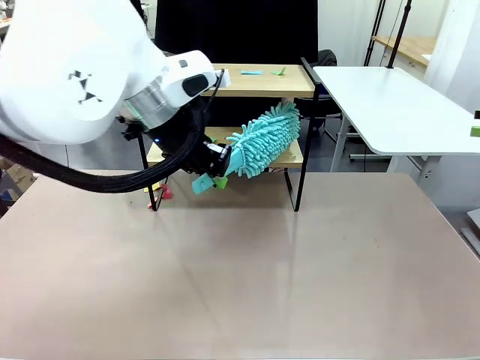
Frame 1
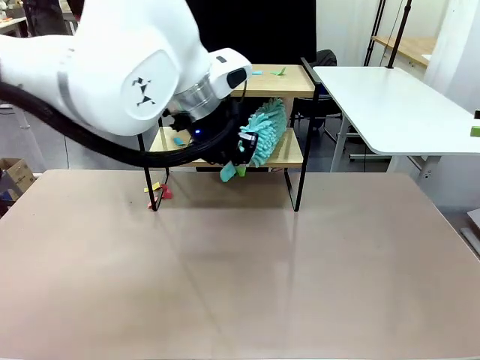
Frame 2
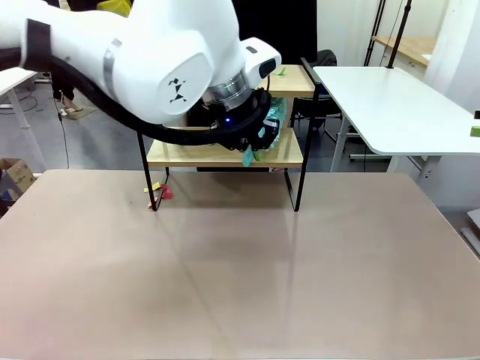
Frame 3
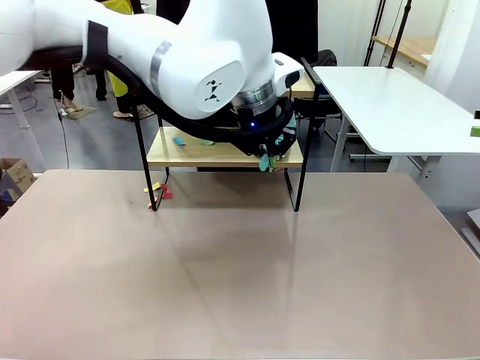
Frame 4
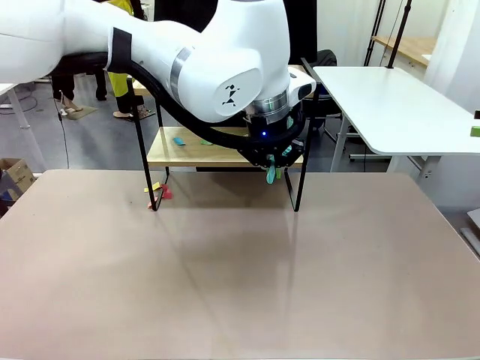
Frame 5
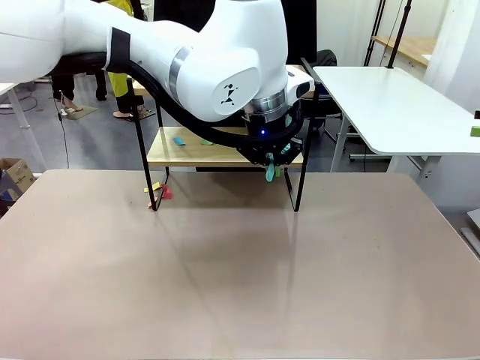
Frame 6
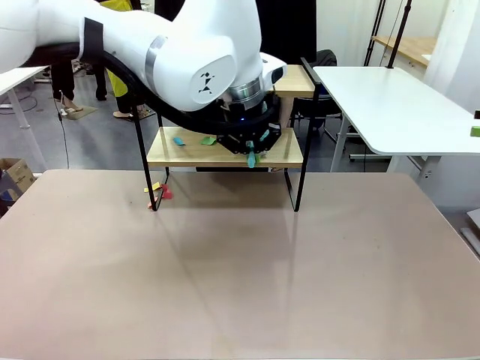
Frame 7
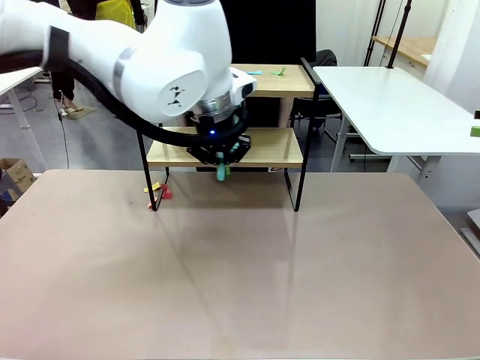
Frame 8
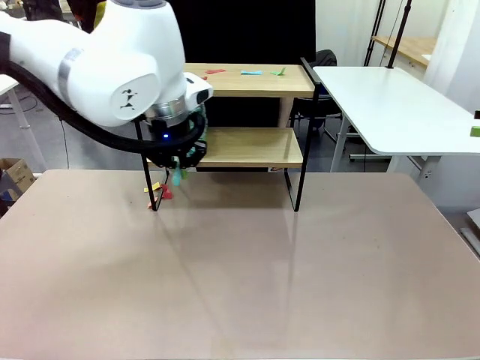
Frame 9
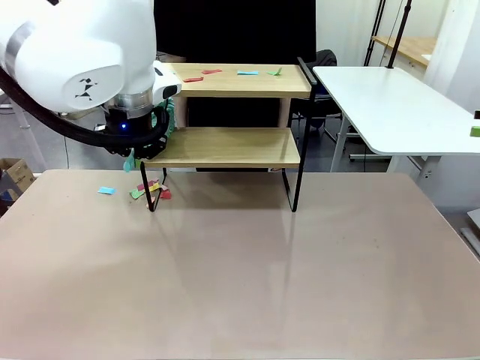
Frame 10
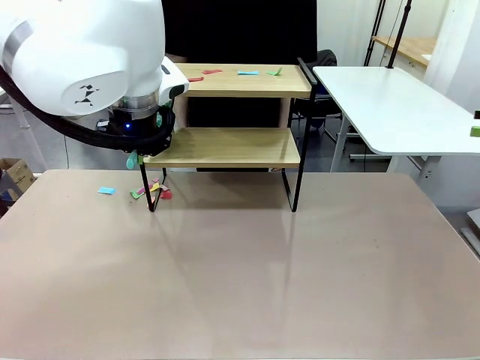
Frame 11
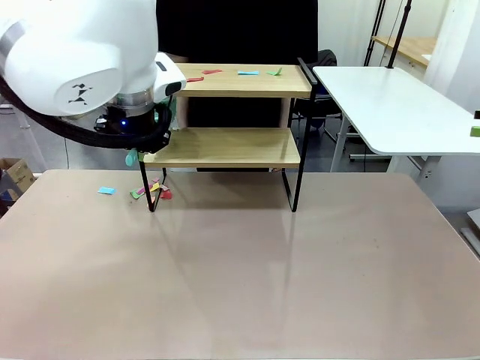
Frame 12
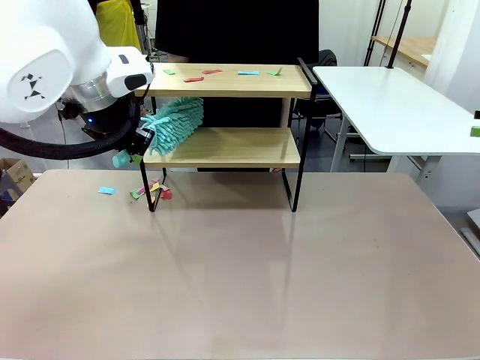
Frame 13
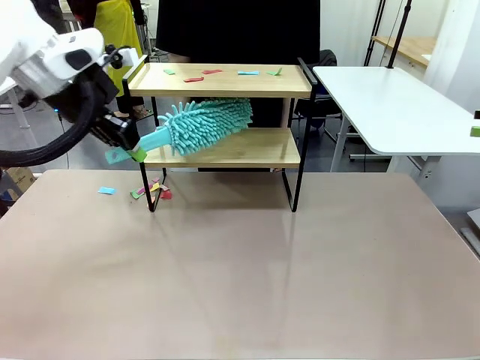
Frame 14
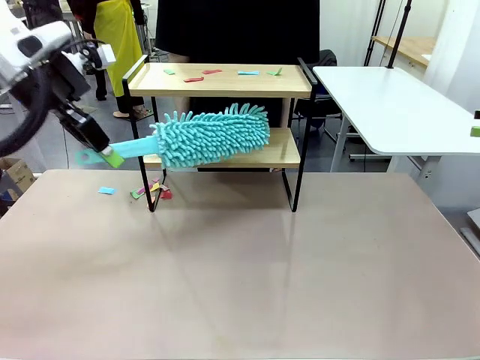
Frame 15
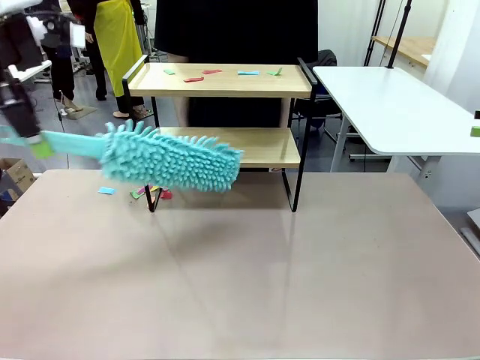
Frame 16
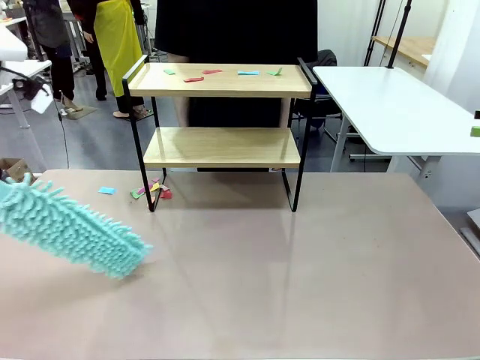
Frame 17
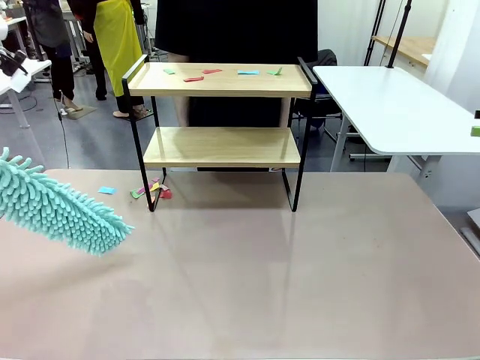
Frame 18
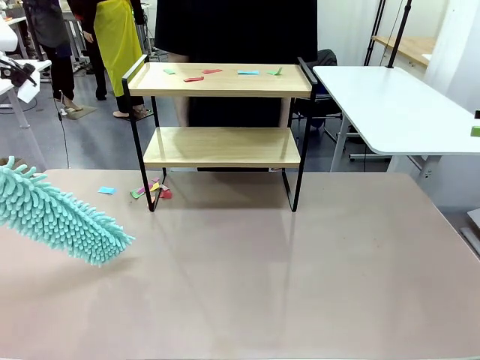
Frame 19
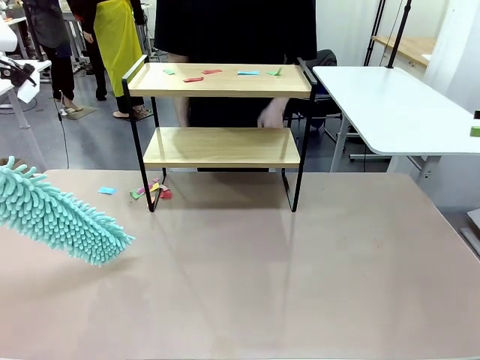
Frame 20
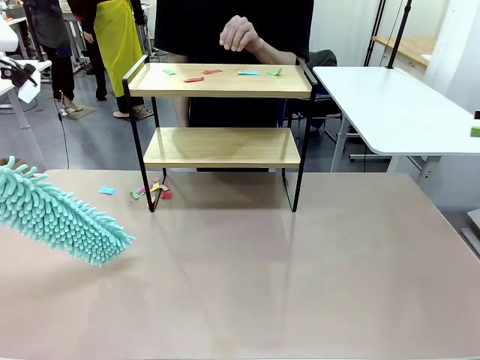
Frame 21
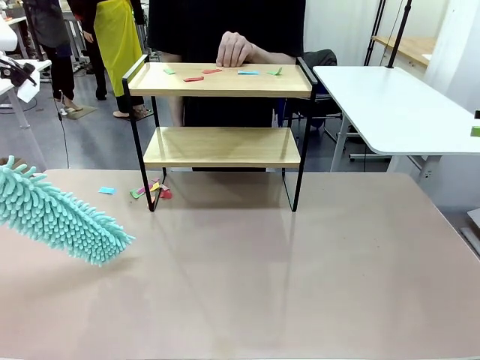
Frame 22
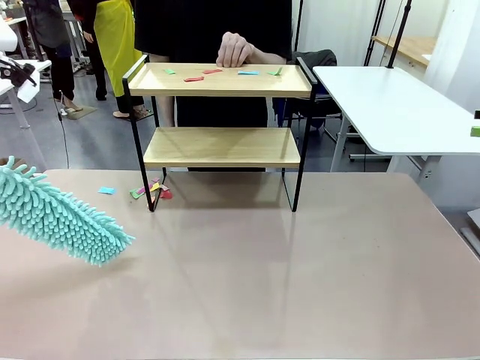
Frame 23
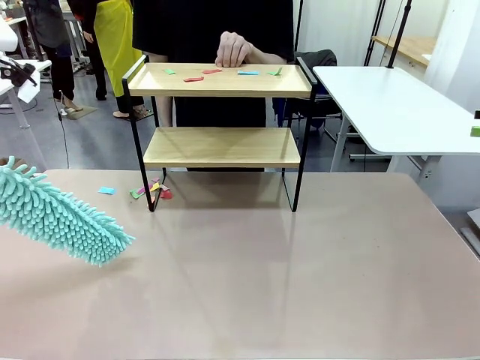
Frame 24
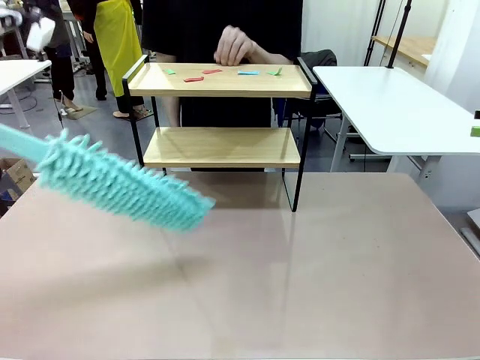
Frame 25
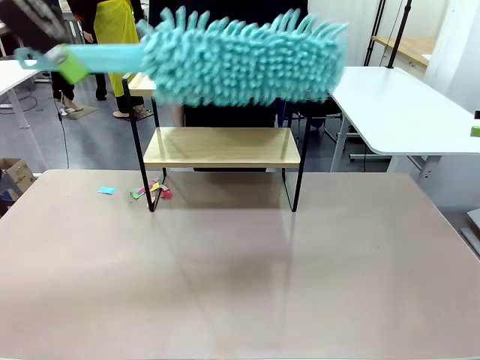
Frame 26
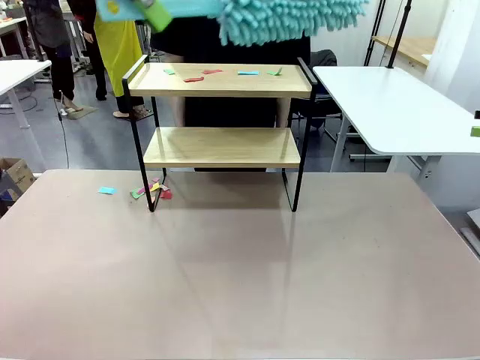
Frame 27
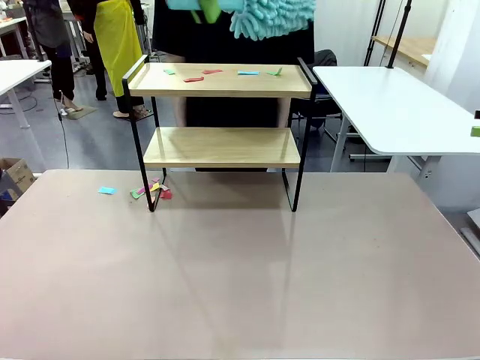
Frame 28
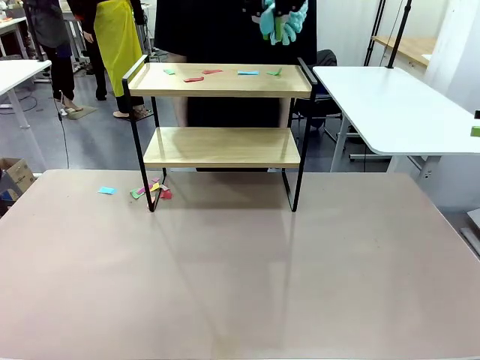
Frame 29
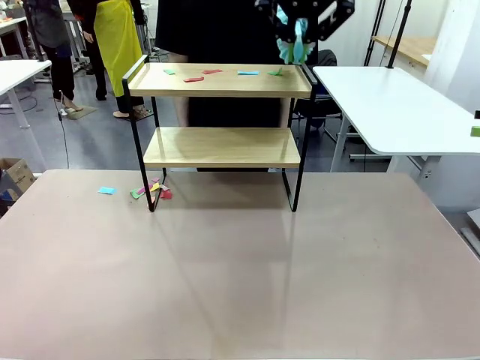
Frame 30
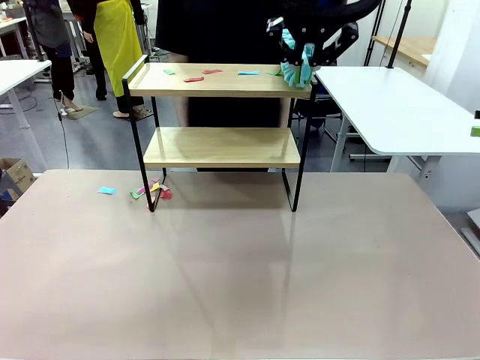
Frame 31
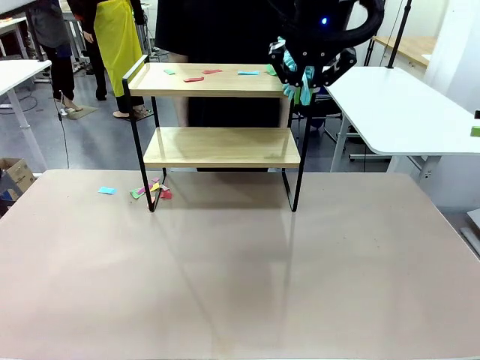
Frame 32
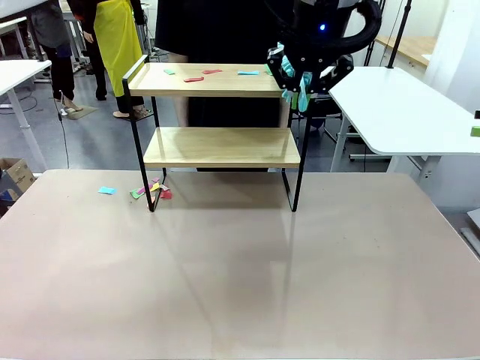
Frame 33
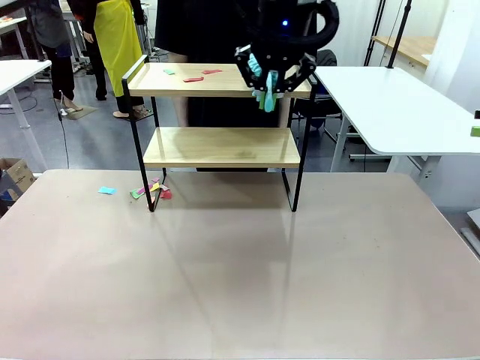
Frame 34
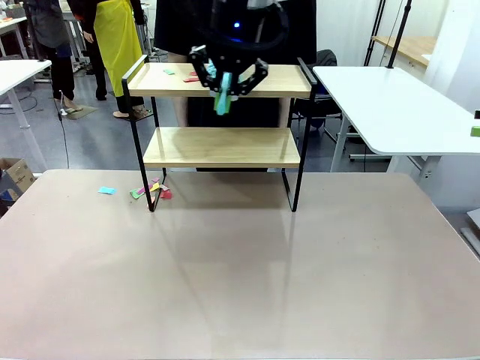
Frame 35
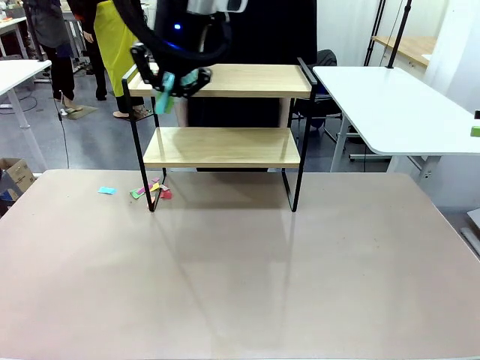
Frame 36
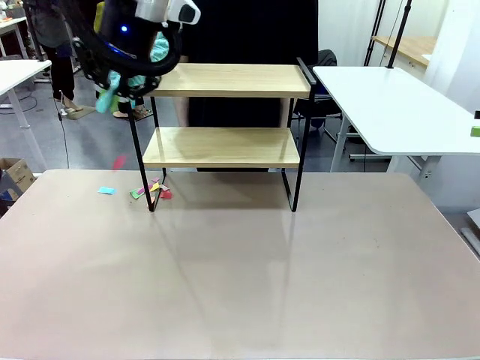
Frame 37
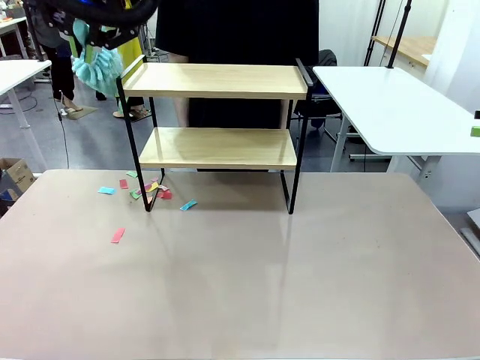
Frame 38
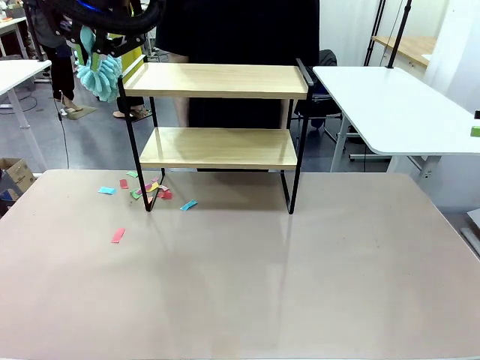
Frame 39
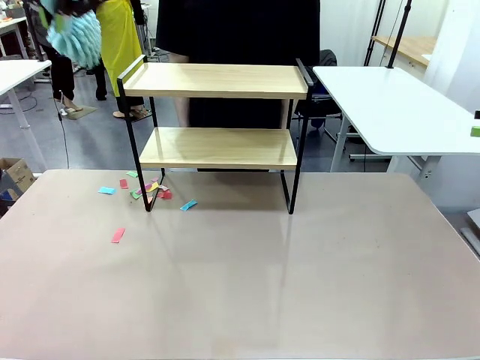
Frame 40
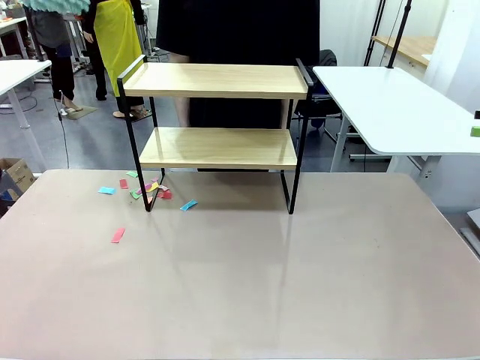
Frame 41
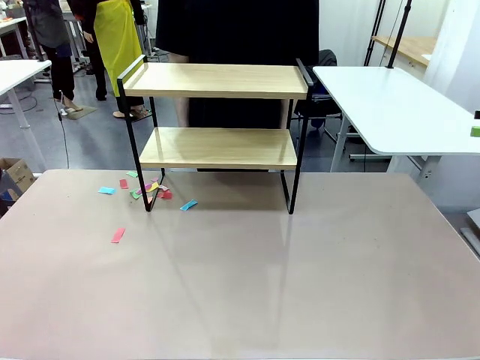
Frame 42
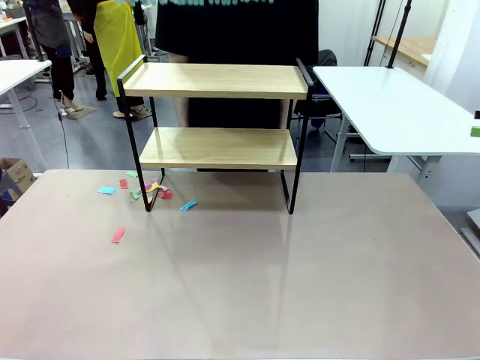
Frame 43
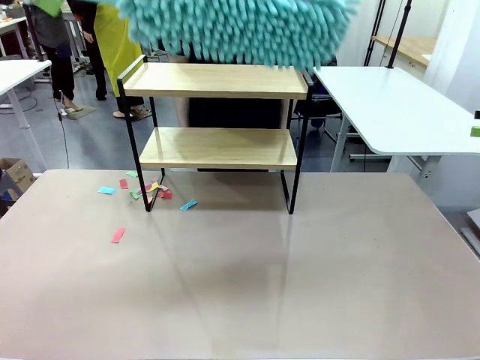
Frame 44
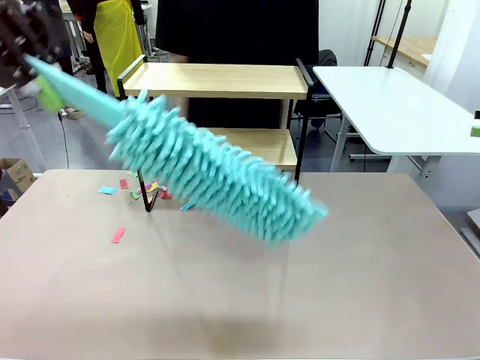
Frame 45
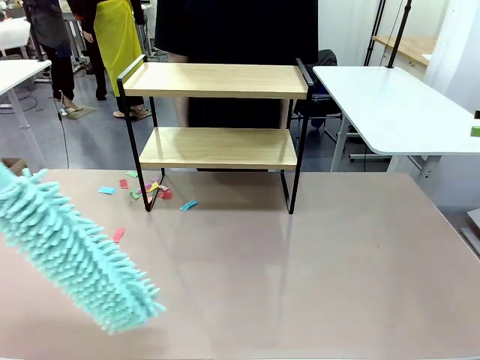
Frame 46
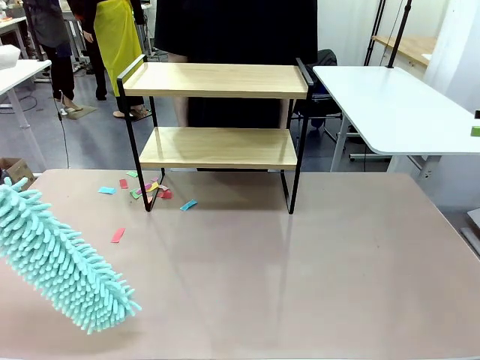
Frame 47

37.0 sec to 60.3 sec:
Task: Clean the shelf.
Robot: Clean the specific section of the Shelf indicated by the human with the Duster.
Person: Point a remaining section of the Shelf.
